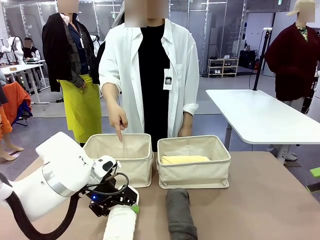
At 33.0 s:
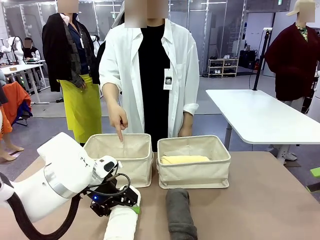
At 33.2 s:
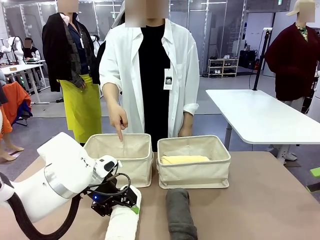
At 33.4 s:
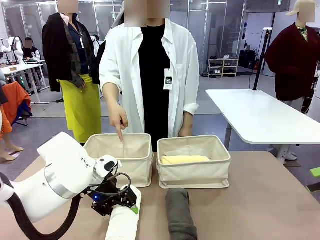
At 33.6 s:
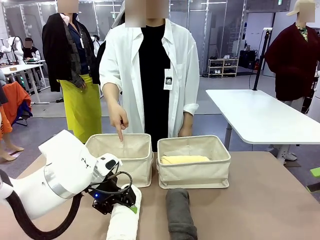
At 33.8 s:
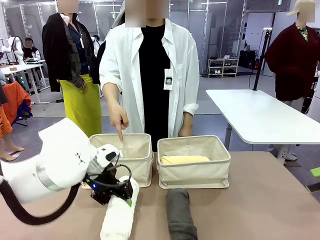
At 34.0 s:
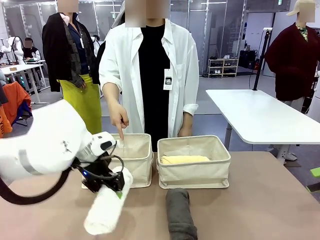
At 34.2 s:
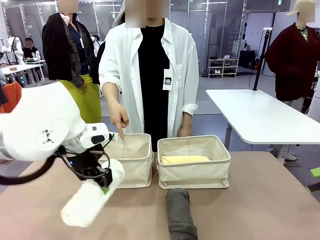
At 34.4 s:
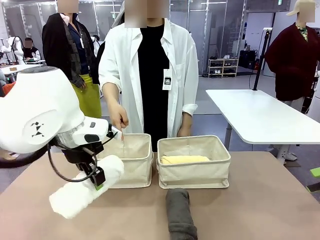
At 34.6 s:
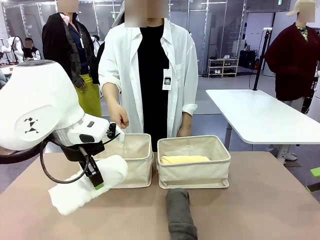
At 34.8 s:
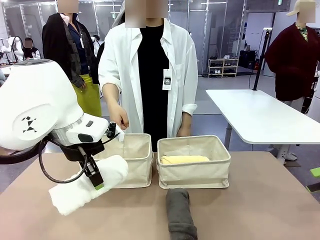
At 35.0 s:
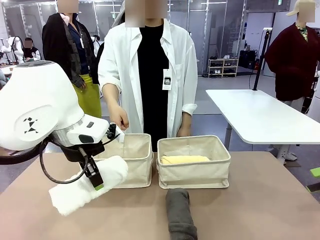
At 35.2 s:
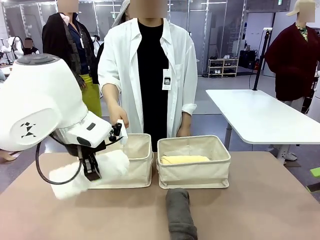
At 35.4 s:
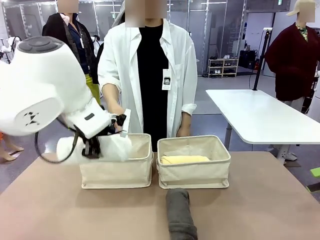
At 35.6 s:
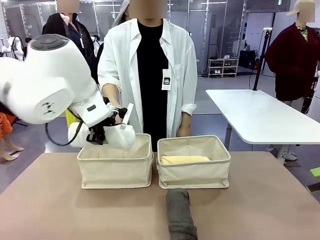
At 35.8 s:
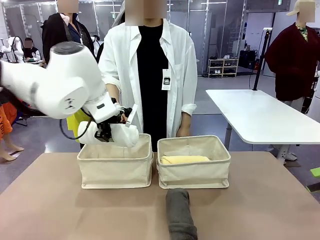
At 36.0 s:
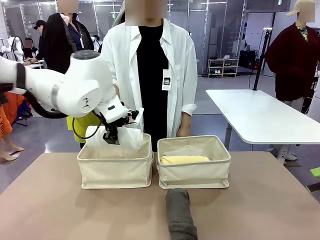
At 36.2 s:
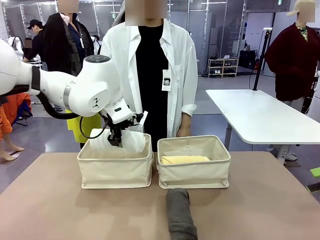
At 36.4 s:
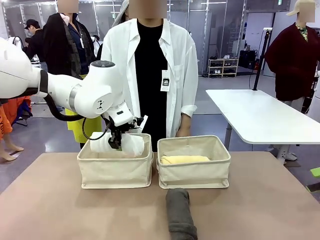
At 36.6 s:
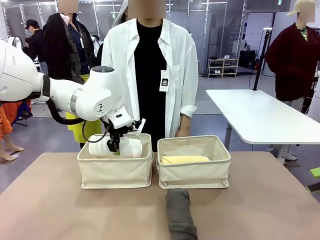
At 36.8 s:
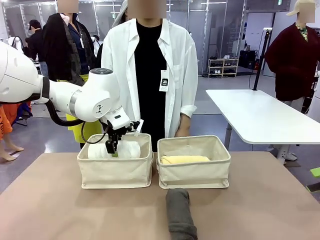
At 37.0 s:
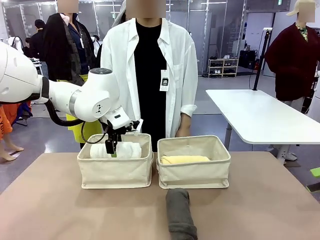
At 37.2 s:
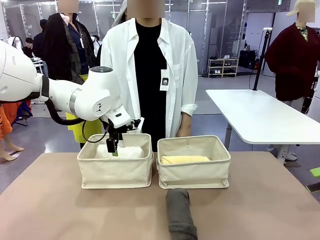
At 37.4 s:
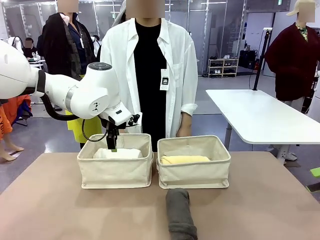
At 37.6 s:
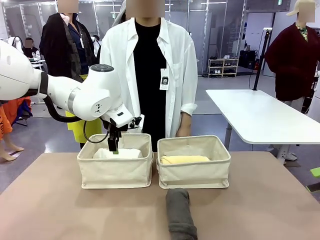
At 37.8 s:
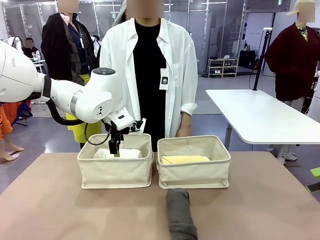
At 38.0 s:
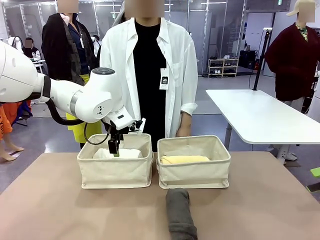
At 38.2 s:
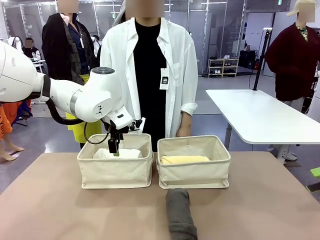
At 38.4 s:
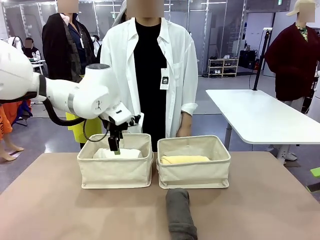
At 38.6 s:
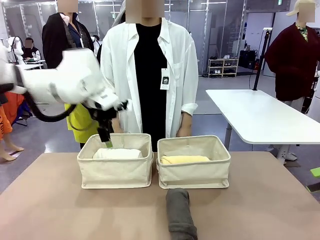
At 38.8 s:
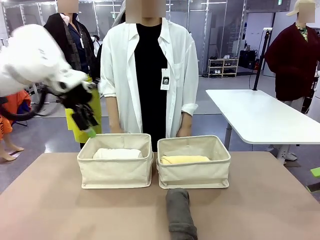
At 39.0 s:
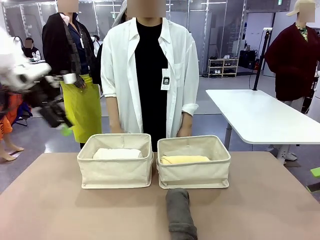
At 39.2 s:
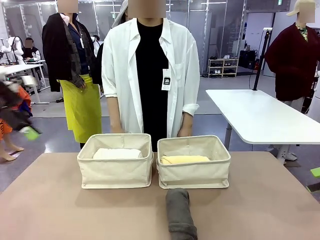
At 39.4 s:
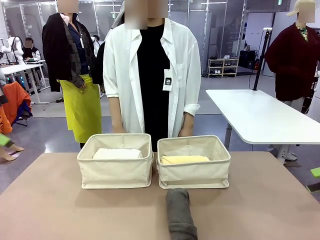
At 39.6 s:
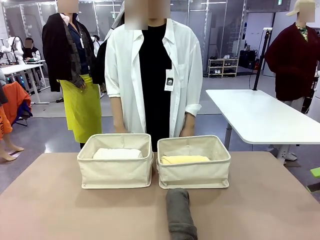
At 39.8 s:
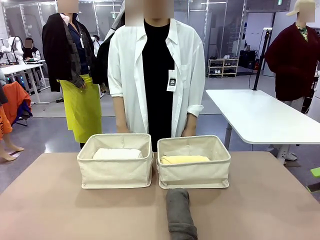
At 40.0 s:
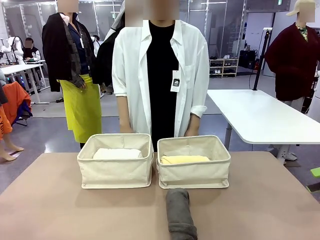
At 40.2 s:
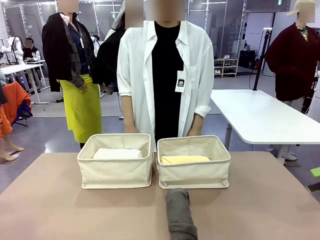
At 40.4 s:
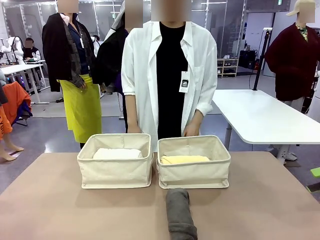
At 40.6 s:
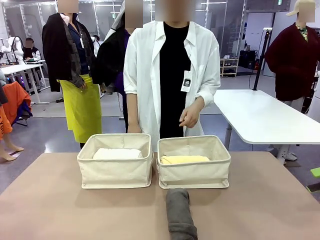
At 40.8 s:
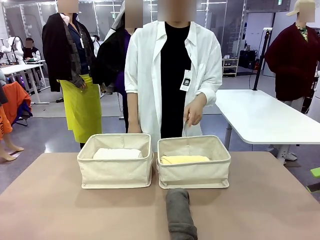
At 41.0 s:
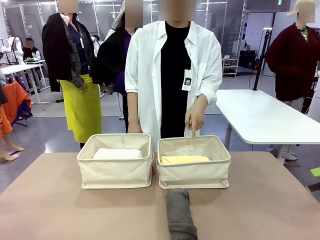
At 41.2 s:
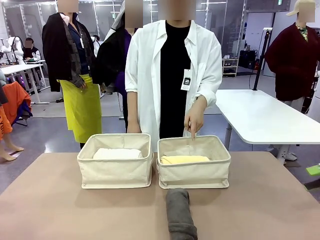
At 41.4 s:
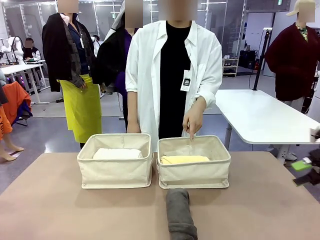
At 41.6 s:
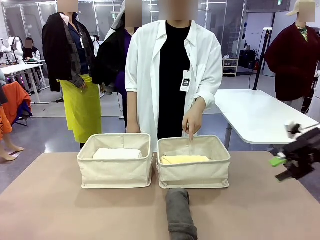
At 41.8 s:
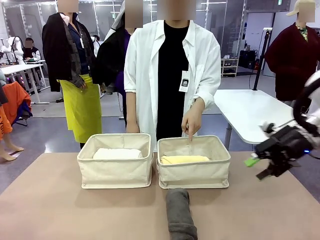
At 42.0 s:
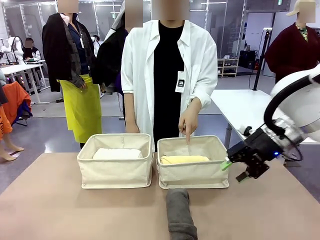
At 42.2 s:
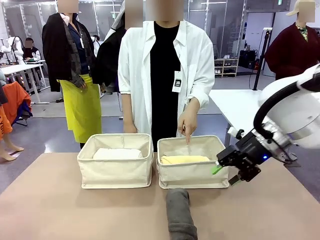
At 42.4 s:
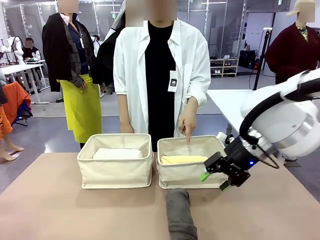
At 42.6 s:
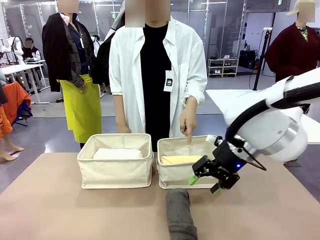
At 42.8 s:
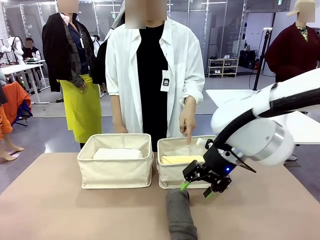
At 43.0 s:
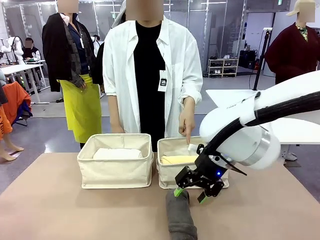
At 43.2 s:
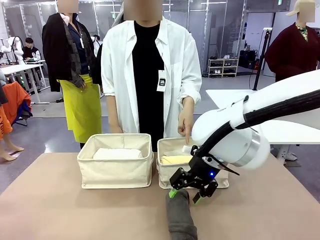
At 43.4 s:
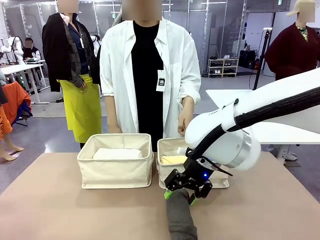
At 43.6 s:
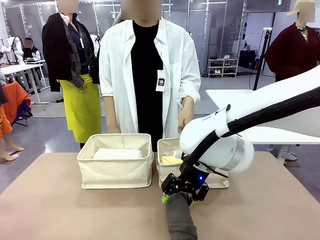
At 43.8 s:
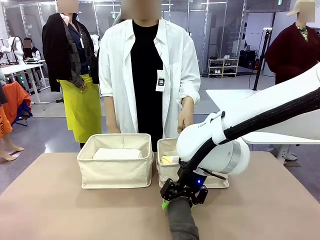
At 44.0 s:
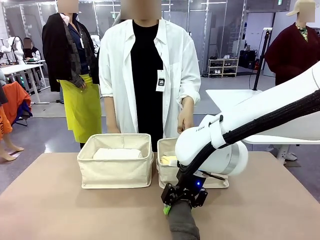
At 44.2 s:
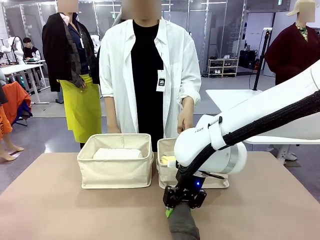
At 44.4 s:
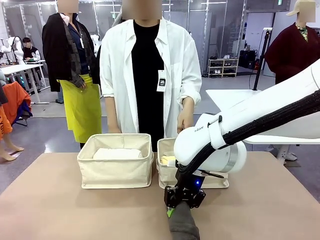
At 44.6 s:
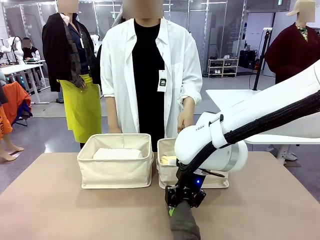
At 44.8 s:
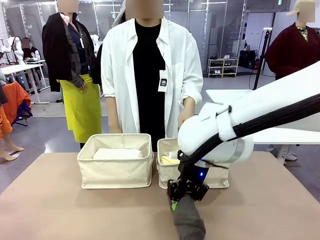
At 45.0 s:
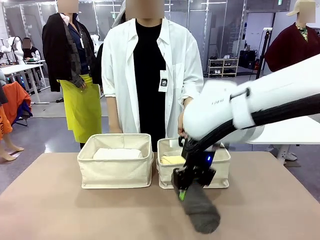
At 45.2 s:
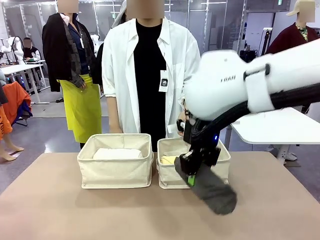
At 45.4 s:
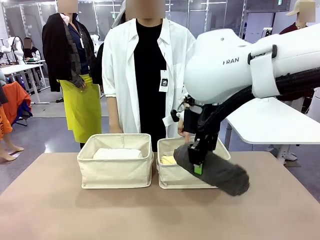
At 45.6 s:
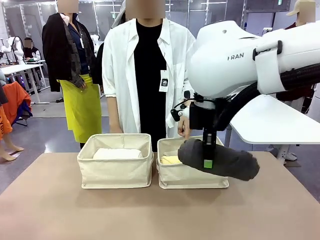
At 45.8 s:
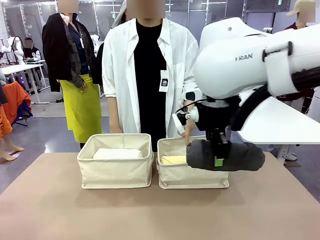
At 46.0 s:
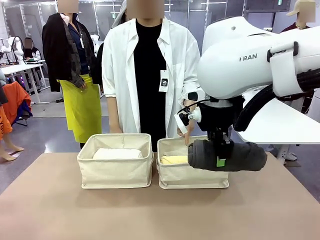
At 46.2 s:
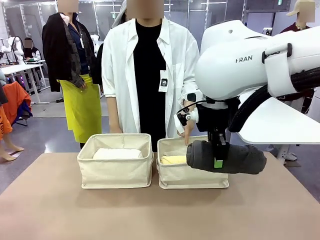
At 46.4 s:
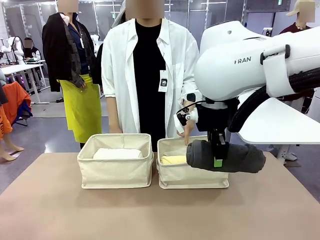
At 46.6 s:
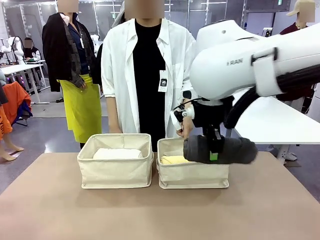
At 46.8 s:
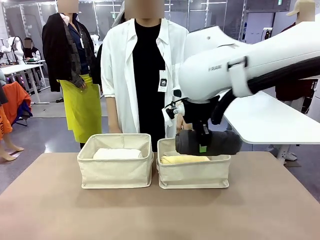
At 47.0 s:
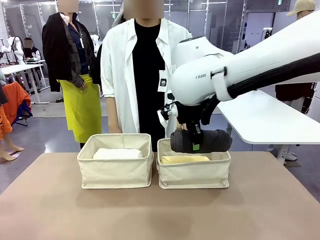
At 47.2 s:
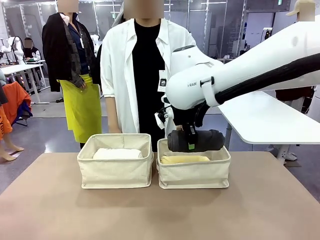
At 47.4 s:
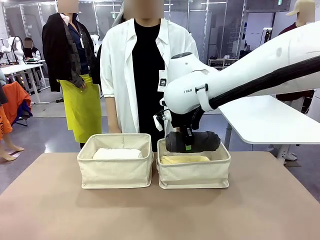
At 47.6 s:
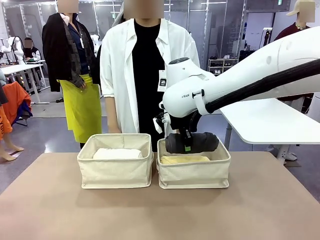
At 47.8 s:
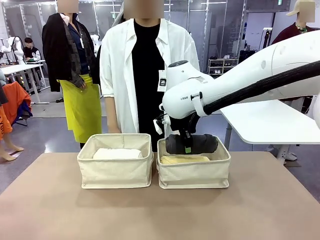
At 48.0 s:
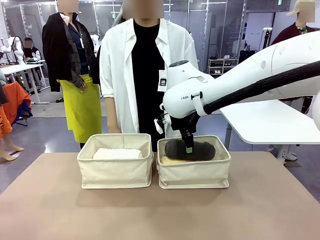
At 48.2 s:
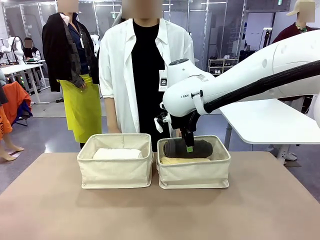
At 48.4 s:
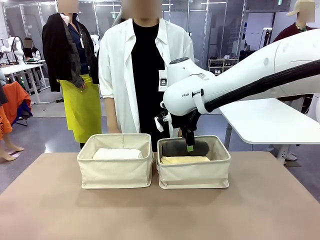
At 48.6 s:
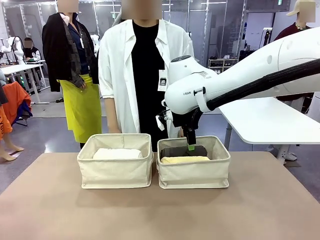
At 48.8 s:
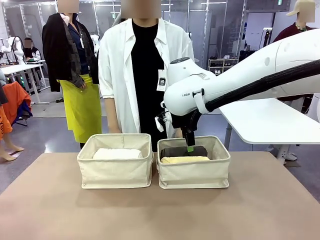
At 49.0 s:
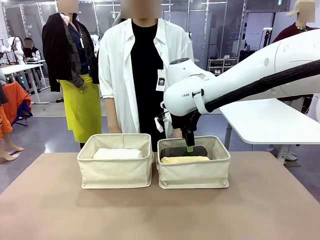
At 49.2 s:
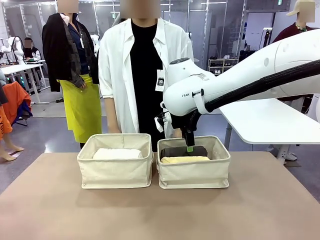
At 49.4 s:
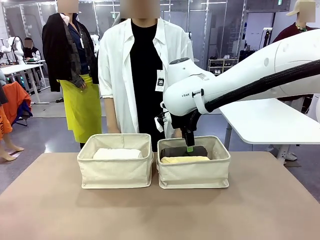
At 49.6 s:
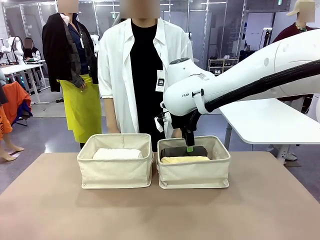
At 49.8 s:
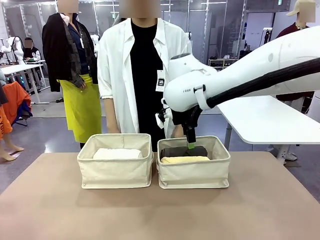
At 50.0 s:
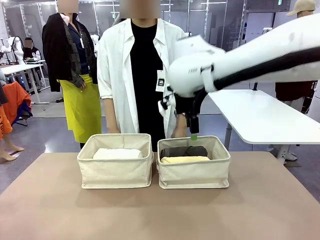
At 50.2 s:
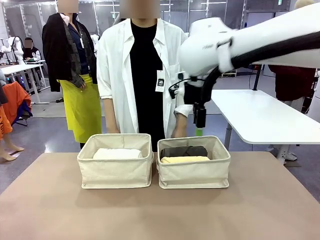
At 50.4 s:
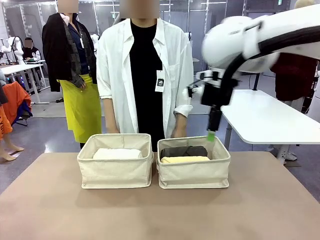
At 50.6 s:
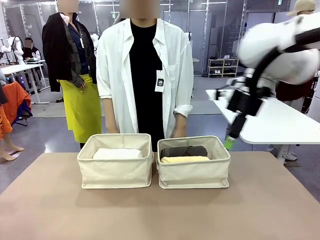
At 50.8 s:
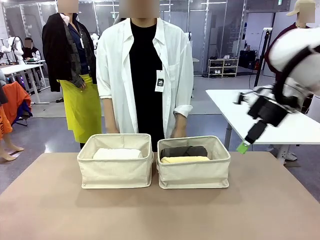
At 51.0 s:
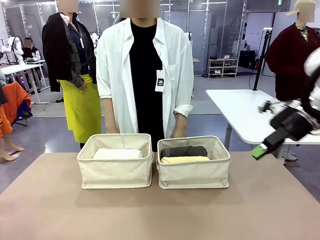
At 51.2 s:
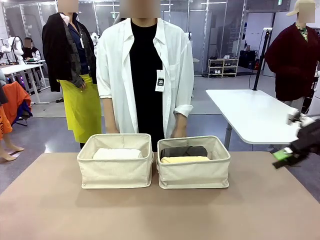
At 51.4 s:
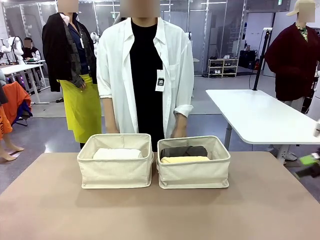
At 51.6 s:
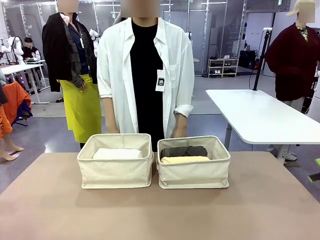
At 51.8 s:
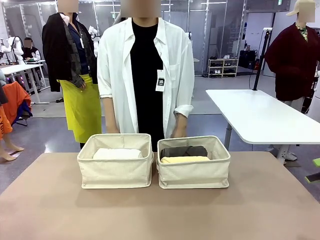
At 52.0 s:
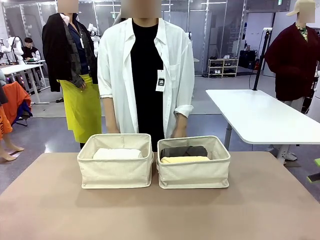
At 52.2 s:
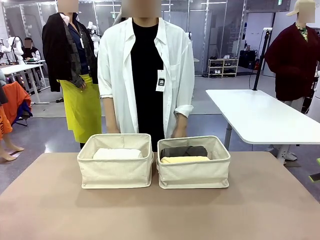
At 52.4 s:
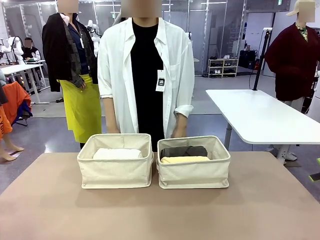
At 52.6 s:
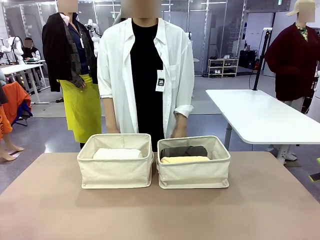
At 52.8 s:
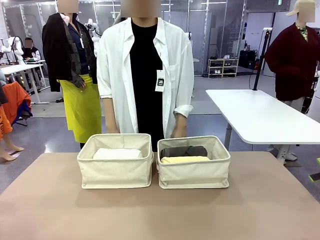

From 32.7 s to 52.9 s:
Task: Divide the towels into two baskets.
Robot: Pick up one hotel-folded towel from the bottom of the table and place it in the Fabric basket indicated by the person.
